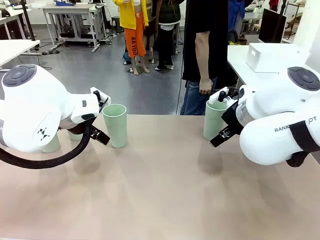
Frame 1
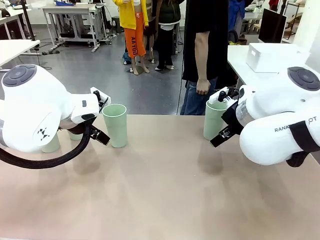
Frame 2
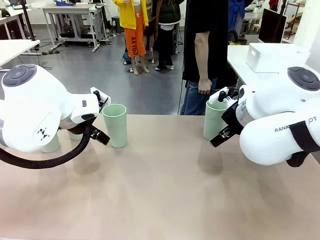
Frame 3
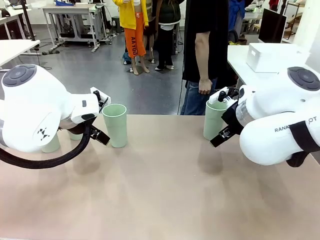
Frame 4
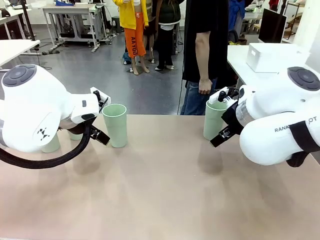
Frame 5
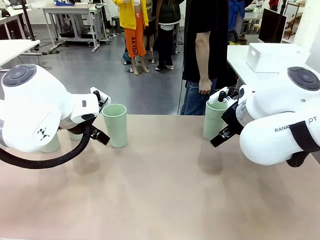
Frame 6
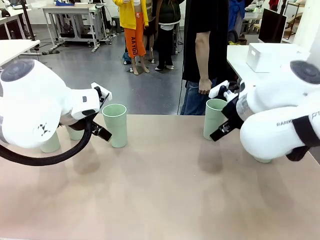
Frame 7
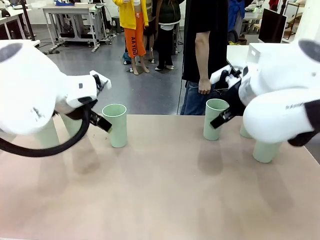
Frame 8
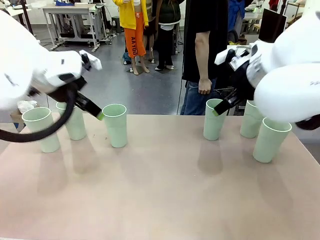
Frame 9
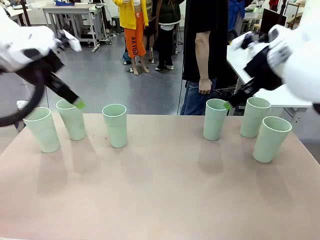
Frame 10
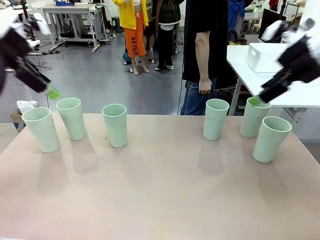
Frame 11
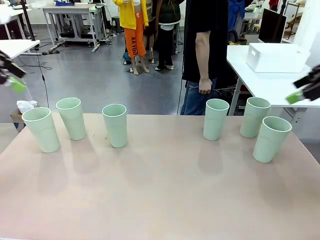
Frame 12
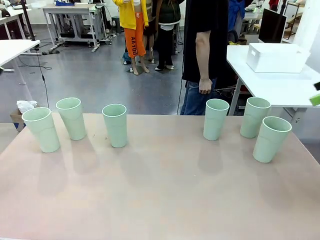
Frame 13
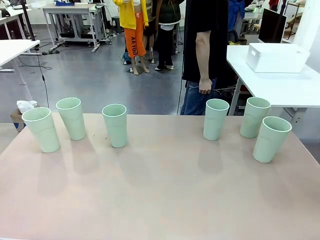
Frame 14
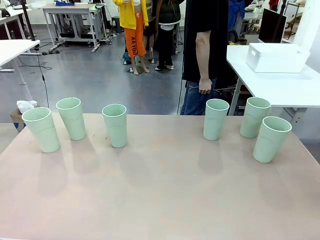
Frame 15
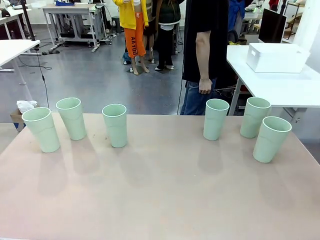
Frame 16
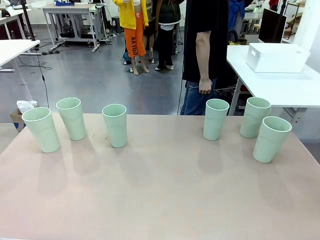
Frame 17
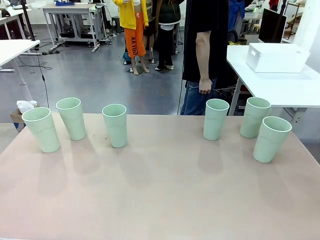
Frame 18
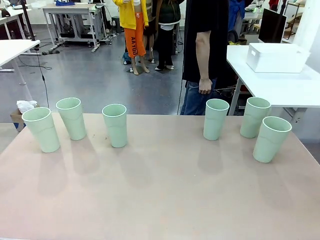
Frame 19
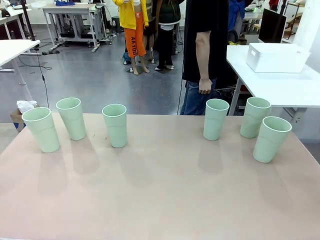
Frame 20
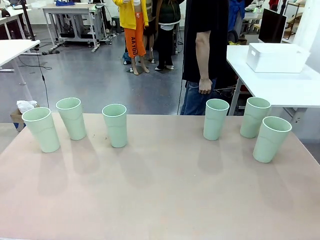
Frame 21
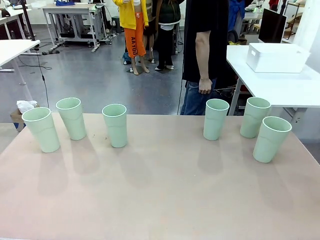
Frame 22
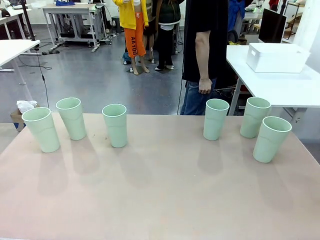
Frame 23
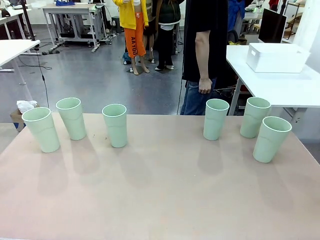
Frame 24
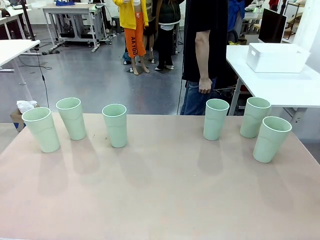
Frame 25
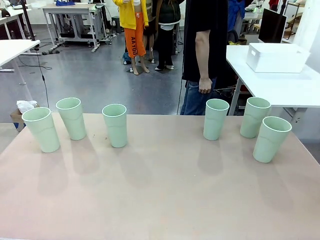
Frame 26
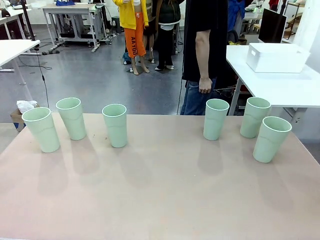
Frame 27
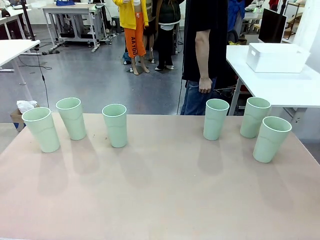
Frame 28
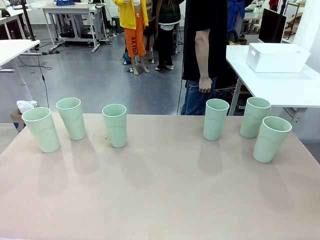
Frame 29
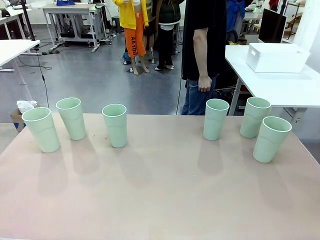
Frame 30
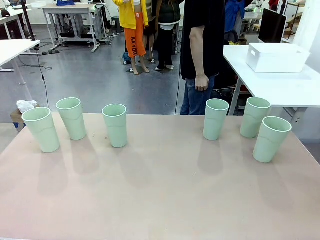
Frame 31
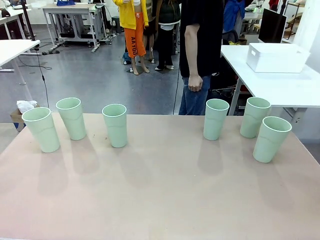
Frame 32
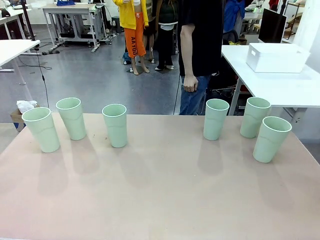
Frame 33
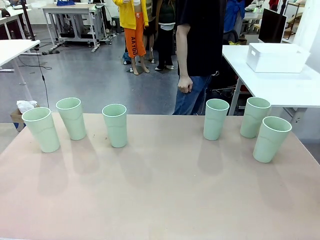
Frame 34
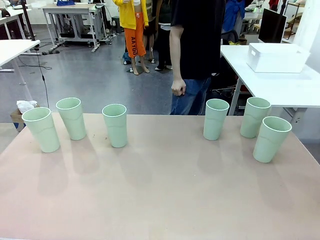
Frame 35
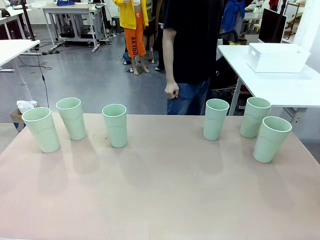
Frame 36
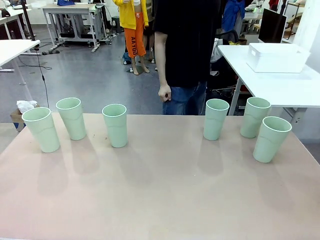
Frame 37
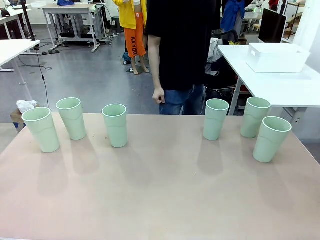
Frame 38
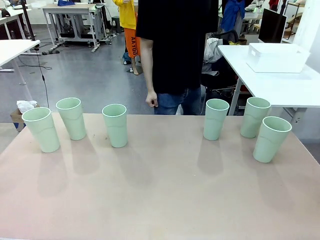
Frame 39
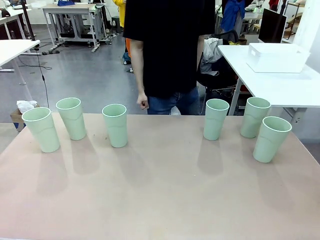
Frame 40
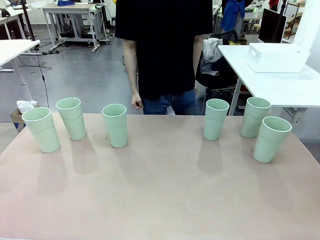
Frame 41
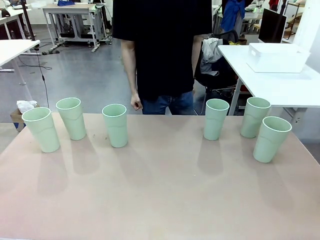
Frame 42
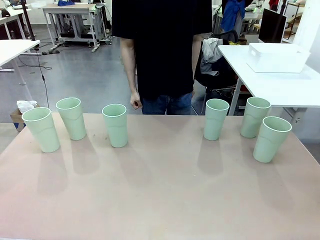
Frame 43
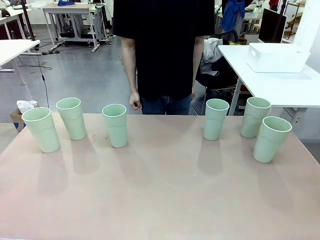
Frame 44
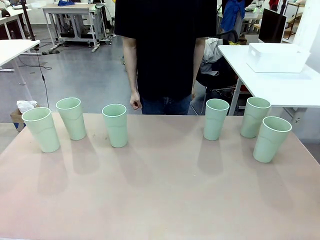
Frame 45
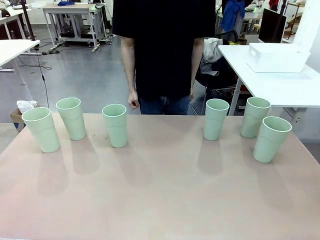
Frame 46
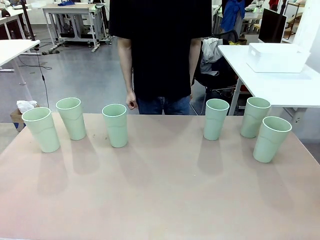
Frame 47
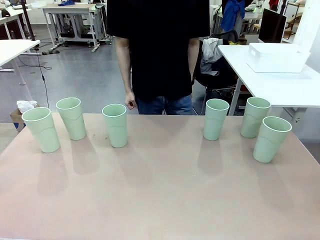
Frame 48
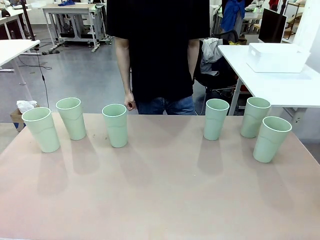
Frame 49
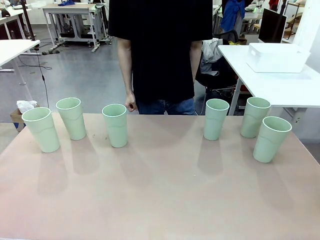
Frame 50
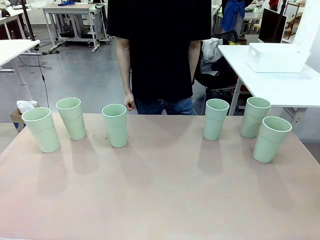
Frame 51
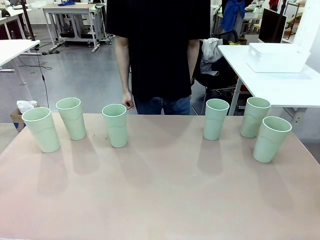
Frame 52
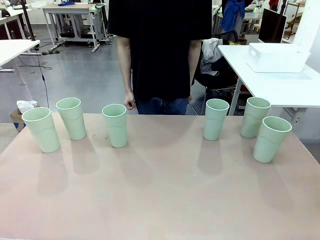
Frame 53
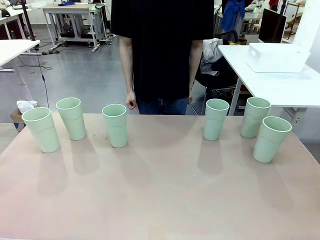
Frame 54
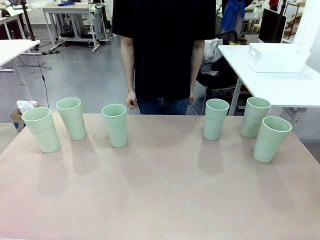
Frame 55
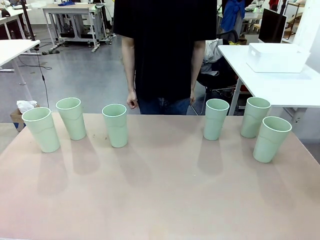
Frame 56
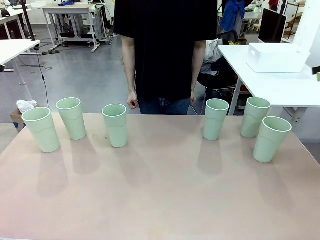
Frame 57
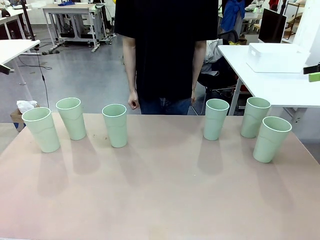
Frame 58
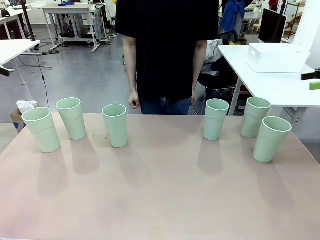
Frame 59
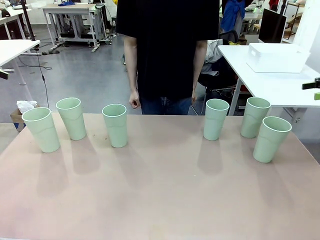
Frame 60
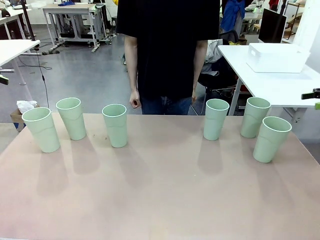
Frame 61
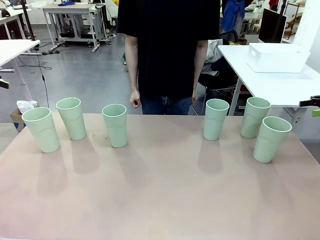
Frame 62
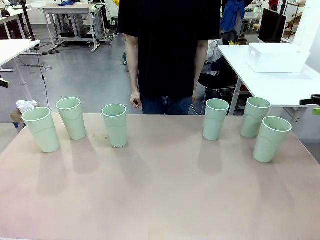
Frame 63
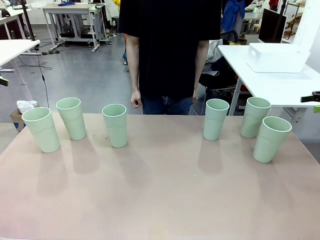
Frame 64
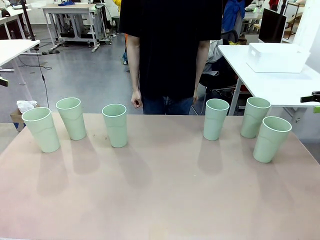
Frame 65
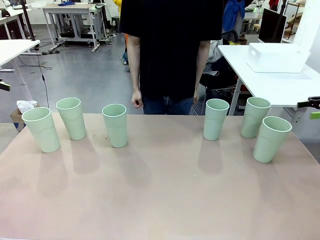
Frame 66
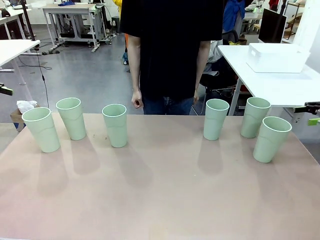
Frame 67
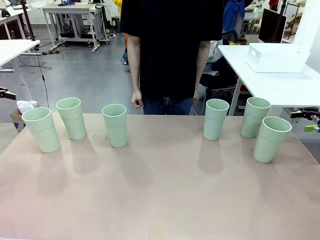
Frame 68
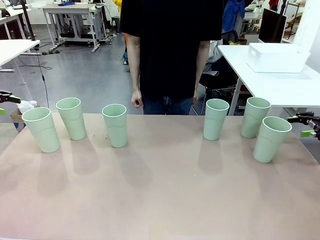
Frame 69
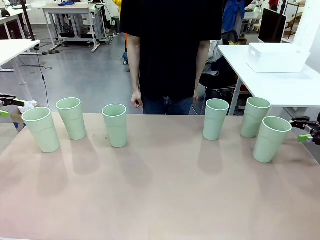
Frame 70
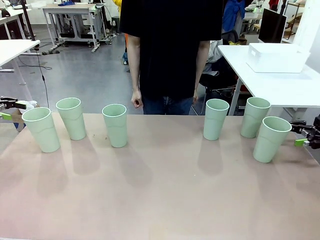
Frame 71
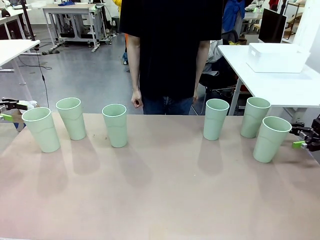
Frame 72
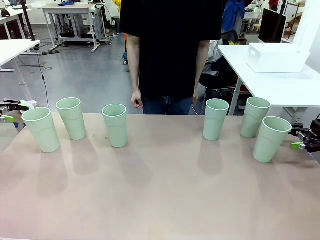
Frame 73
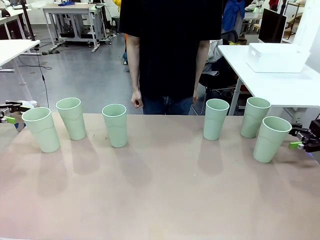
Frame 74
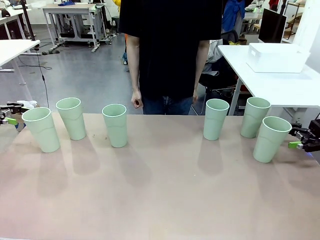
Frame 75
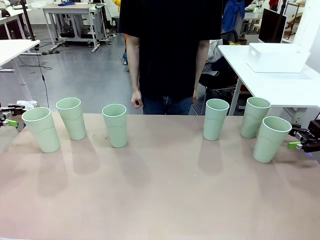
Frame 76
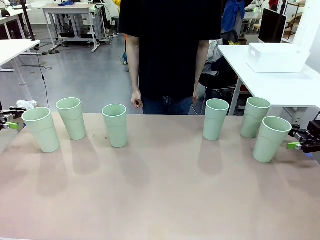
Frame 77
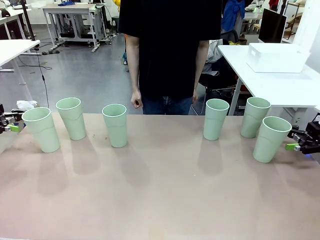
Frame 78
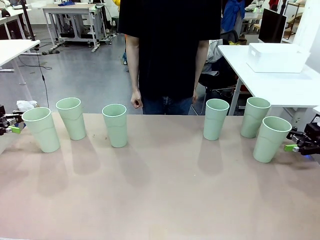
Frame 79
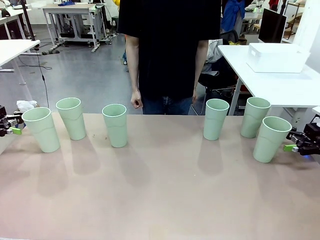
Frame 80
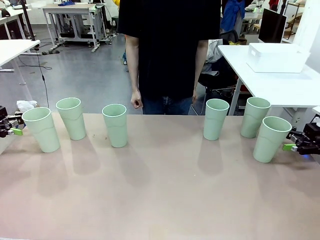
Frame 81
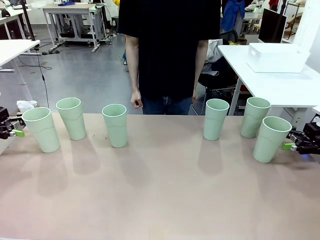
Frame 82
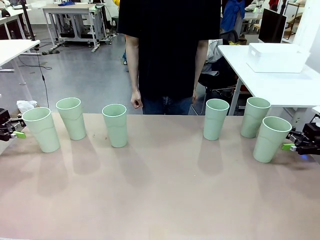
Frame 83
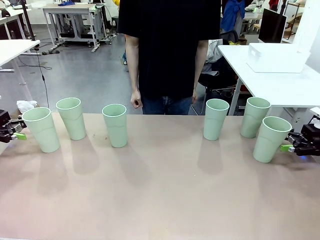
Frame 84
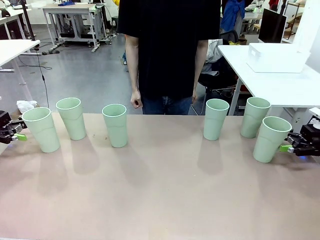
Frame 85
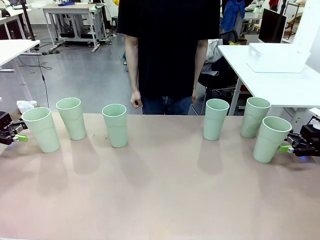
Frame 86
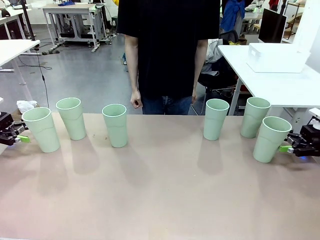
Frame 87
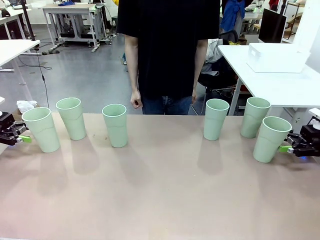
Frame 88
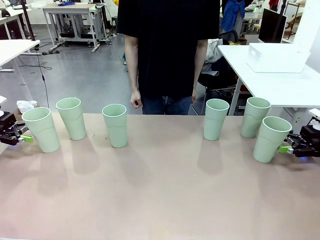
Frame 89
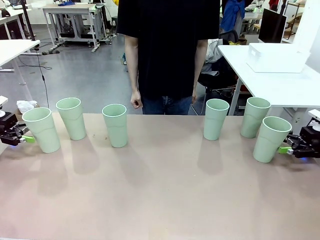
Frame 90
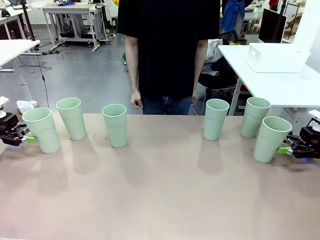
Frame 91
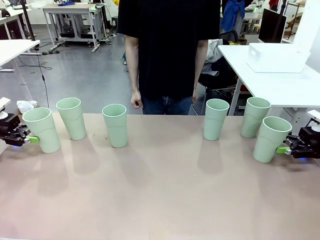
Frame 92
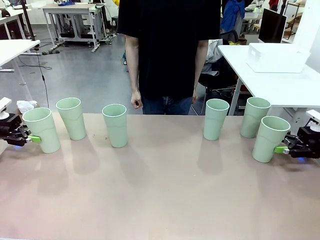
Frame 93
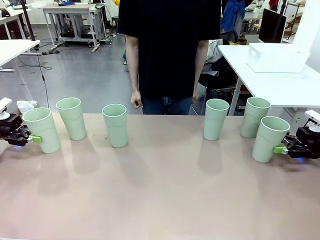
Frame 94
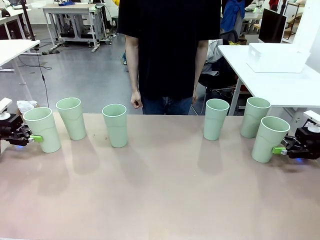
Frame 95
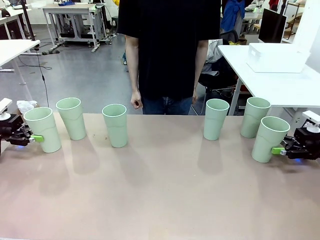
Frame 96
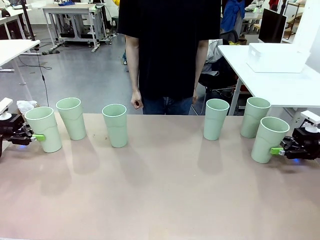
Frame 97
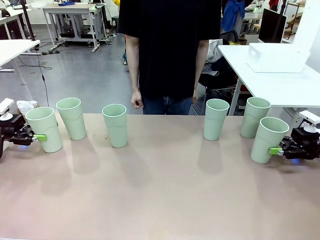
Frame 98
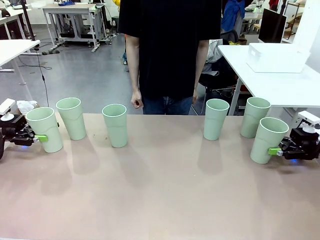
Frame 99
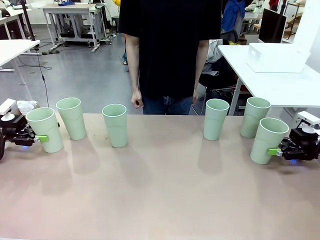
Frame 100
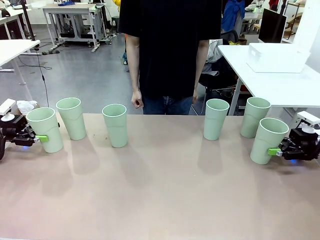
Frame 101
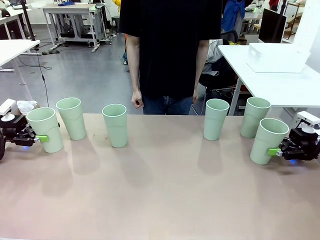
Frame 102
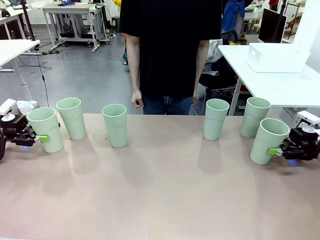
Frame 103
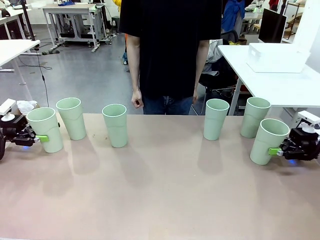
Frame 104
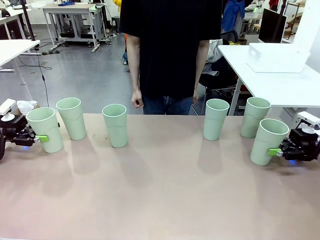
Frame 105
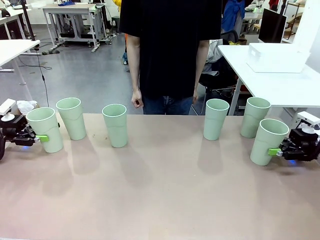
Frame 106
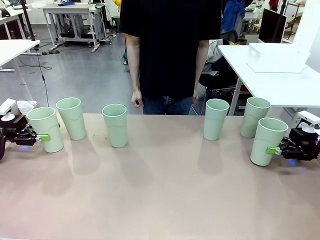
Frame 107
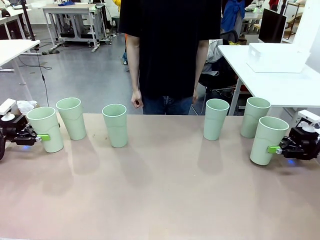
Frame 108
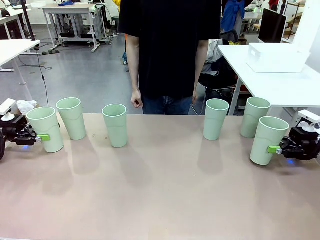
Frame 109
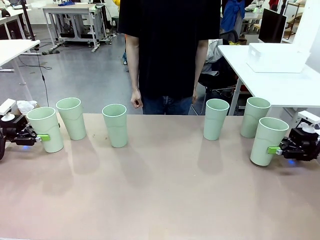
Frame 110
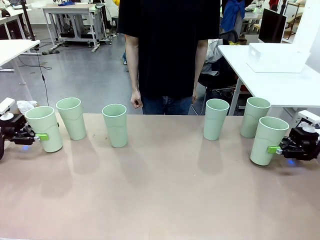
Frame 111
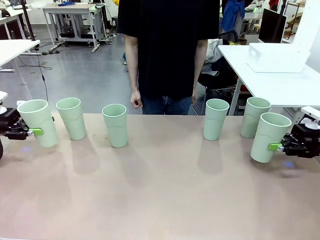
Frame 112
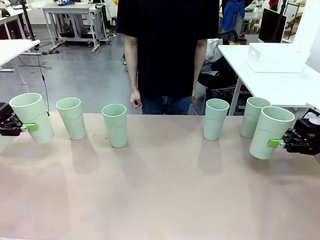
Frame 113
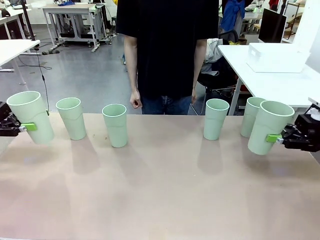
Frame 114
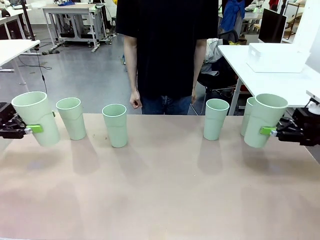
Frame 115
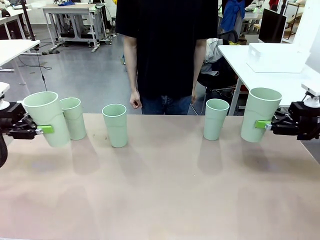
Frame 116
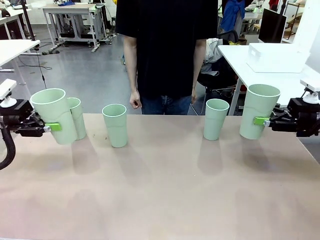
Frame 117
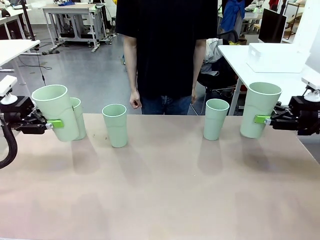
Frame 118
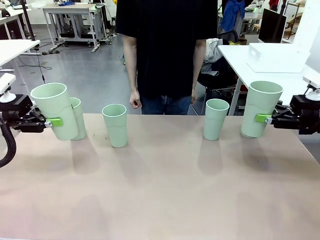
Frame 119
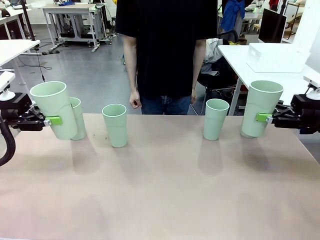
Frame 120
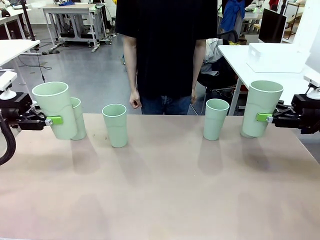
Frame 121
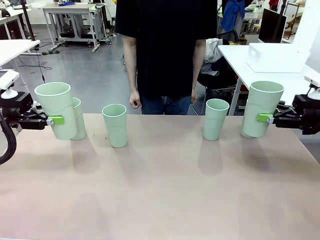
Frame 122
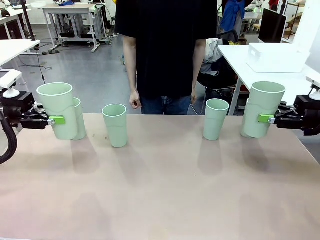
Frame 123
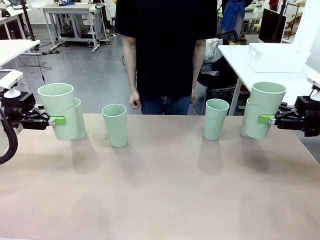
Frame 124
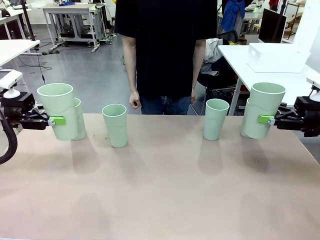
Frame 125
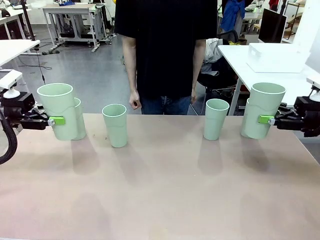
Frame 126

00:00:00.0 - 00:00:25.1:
Task: Stack the cups and store them in the basket.
Robot: Pick up two Reusable plastic cups , one in each hand.
Person: Move from the Human Table to the front of the Robot Table. Stack two of the remaining cups on top of each cup held by the robot.
